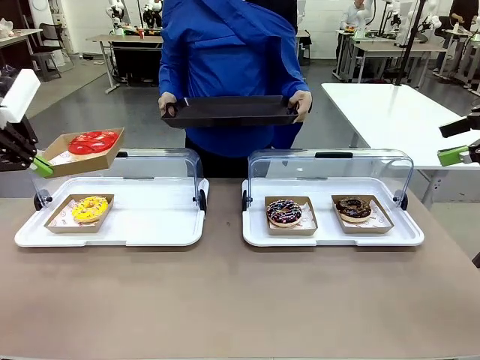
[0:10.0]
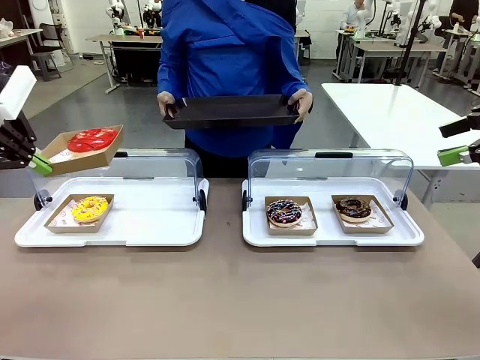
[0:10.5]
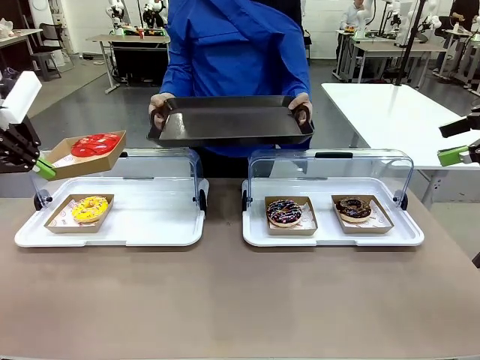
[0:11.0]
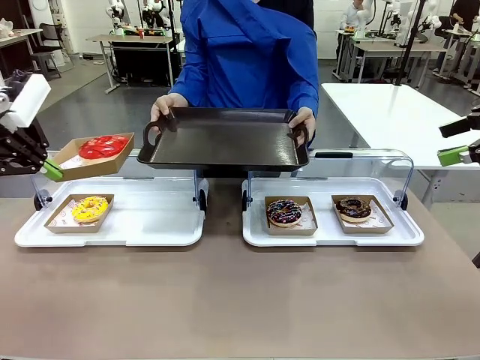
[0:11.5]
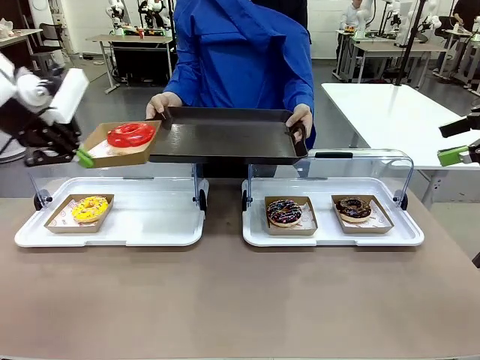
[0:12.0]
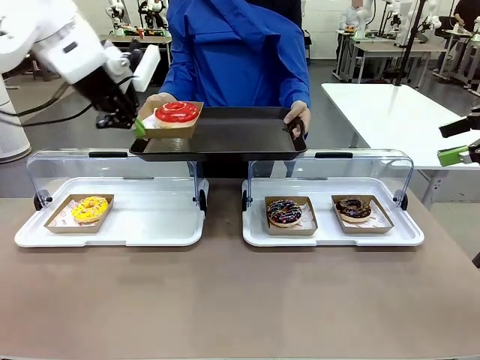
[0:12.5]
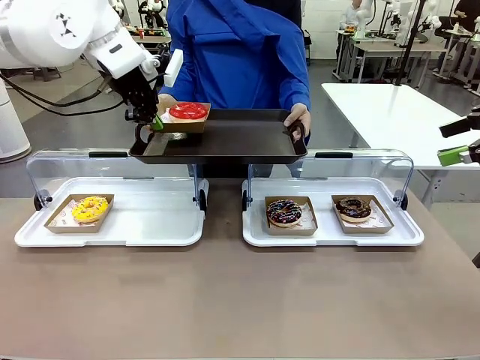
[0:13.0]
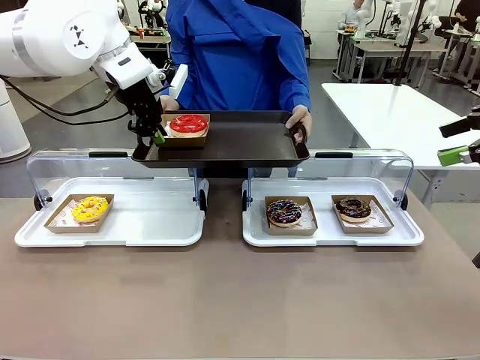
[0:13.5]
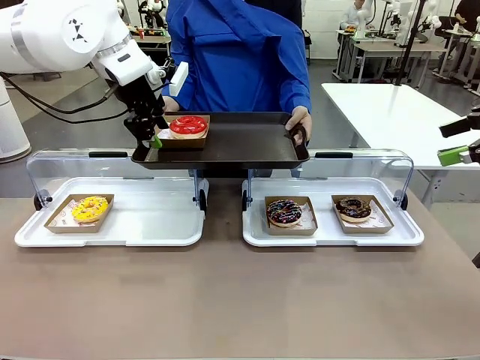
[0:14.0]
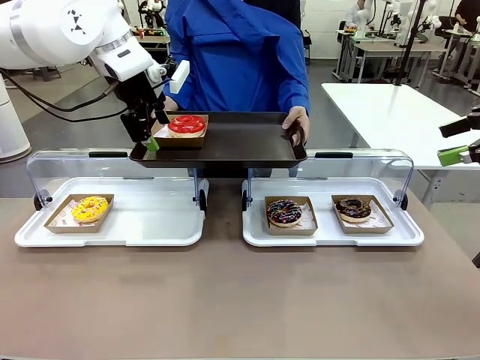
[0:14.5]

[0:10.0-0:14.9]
Task: Provide the desired donut to the person.
Robot: Place the picked Paper togo box onto the Handle tray extended by the person.

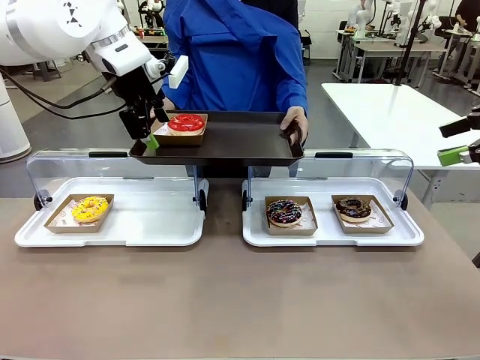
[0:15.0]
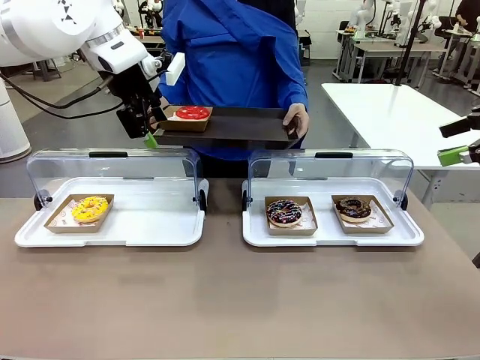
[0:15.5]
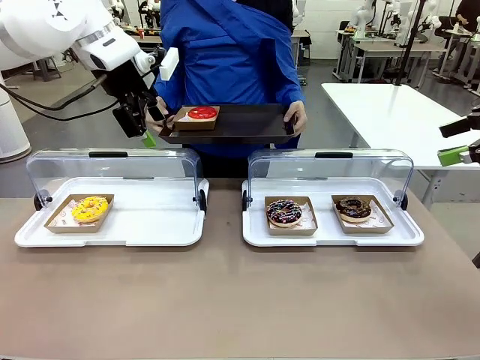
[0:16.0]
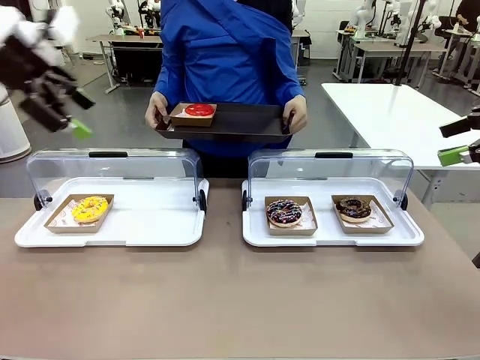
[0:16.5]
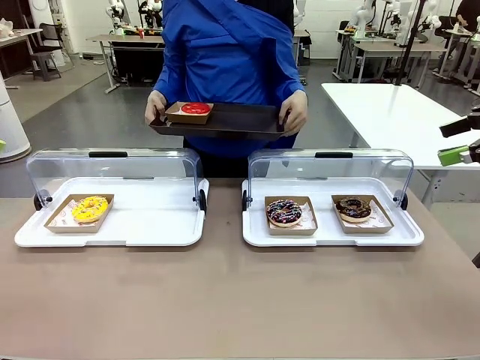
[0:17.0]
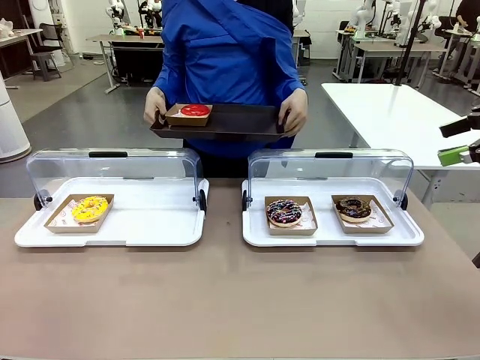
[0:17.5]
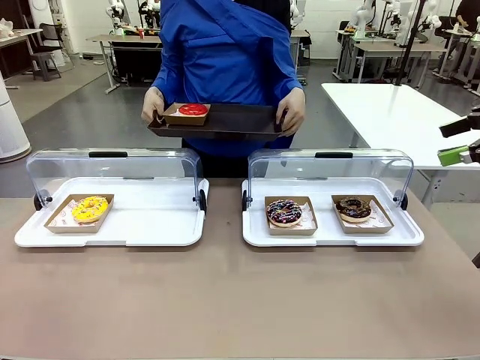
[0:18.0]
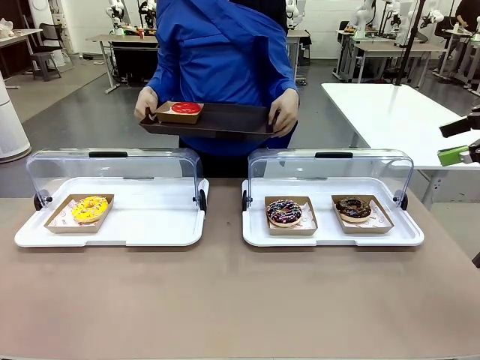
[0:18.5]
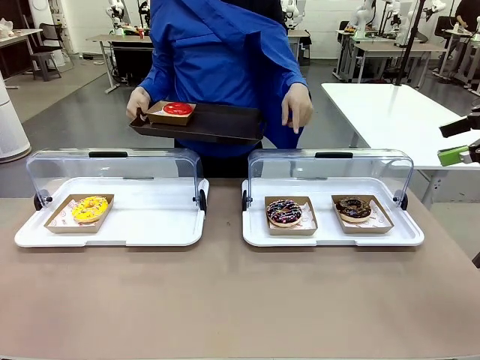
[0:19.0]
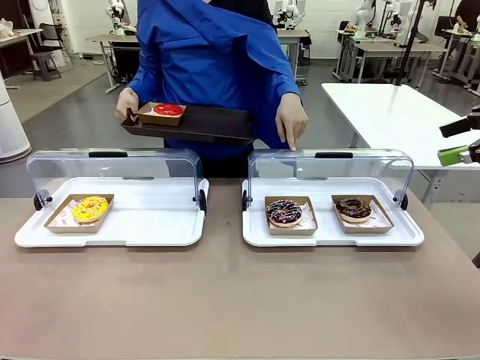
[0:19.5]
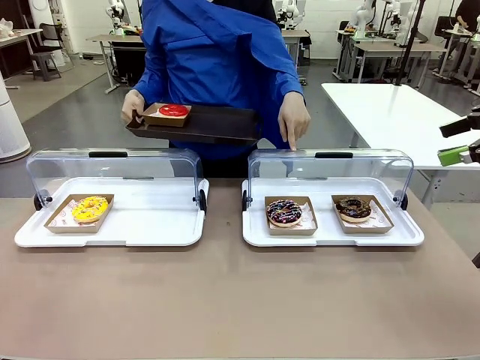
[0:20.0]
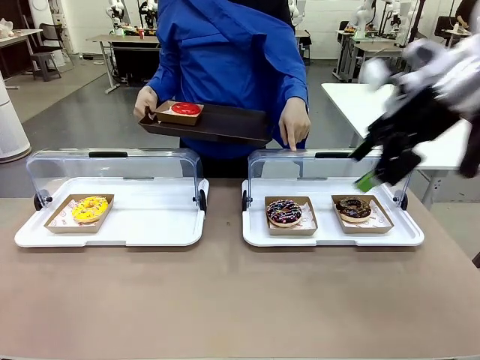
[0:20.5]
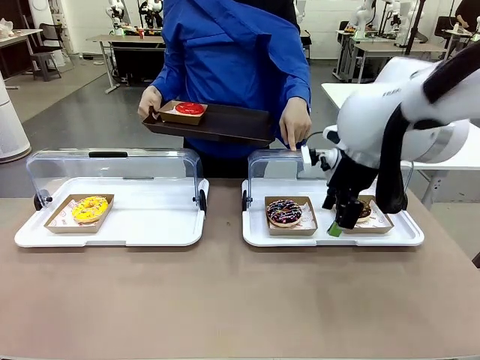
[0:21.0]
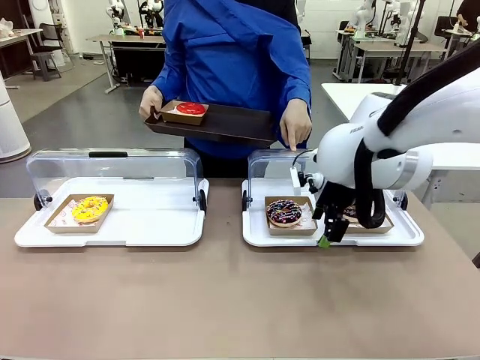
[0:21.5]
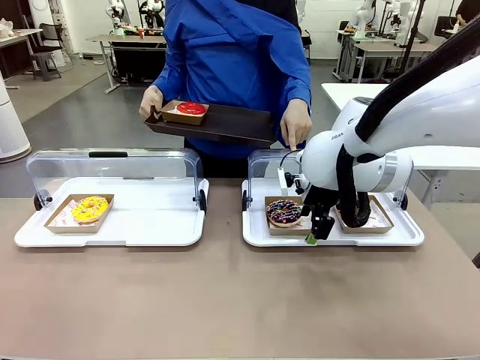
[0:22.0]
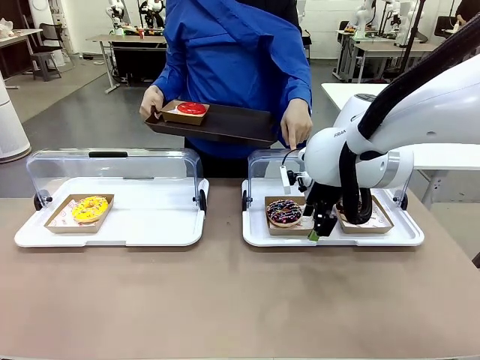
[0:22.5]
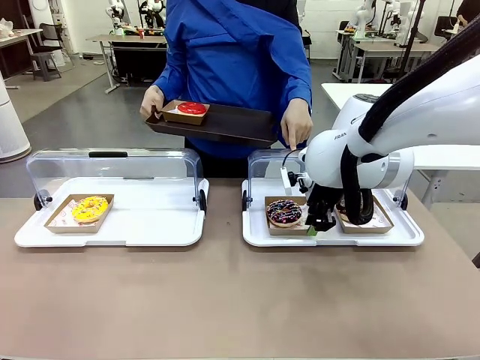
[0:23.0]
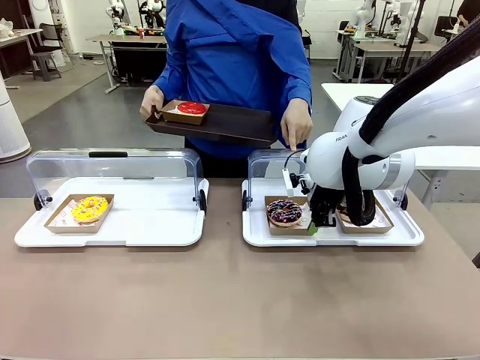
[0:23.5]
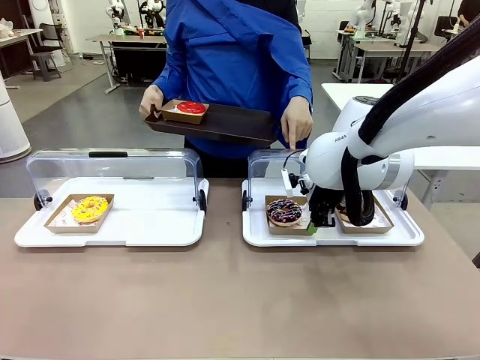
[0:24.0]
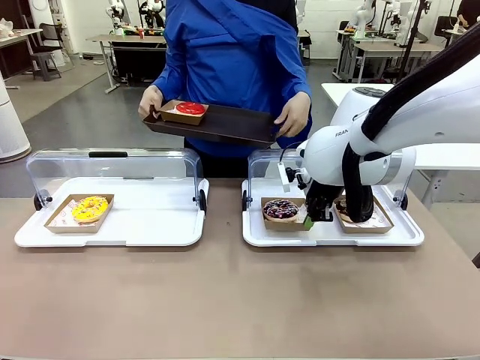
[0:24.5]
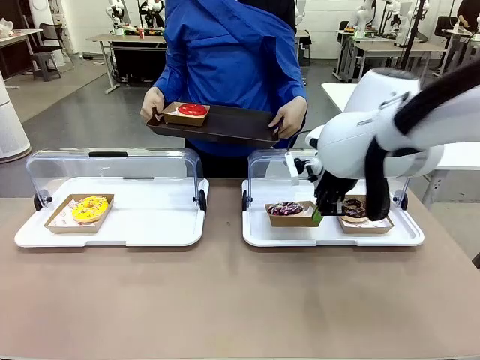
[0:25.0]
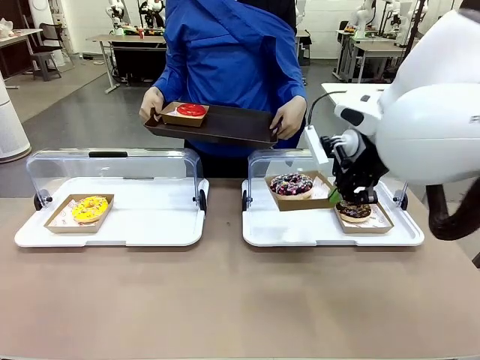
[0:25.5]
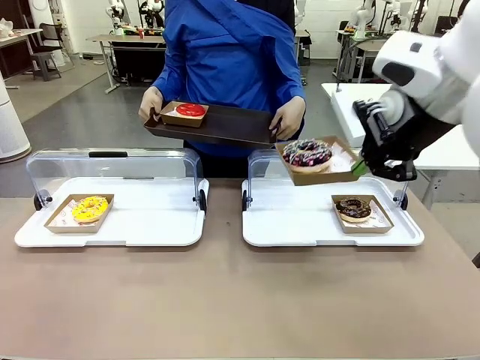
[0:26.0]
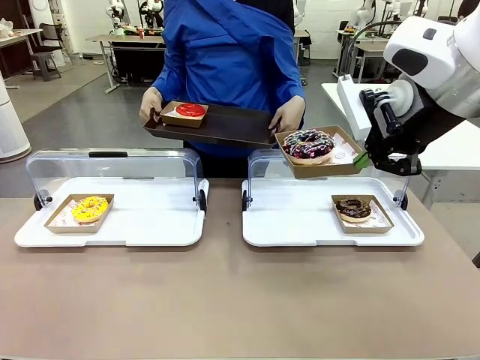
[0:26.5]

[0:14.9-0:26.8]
Robot: Pick up and lift the Paper togo box containing the Donut pointed at by the person.
Person: Point to one donut. Lift the tray onto the Roll-Top Bakery Case.

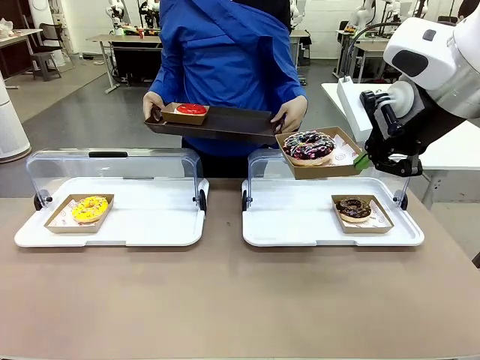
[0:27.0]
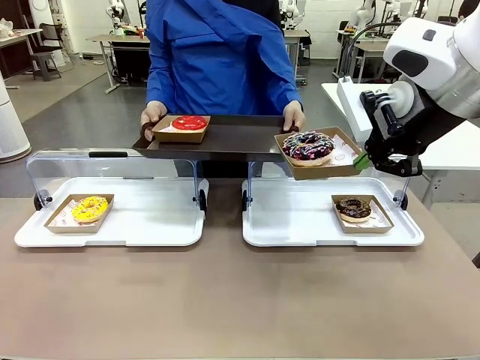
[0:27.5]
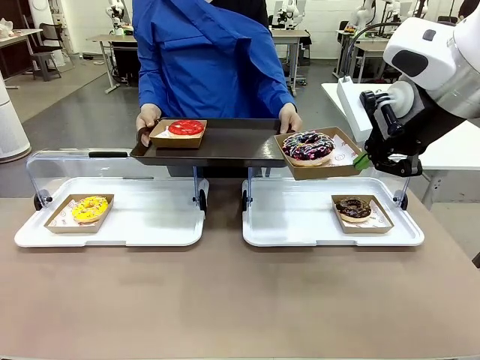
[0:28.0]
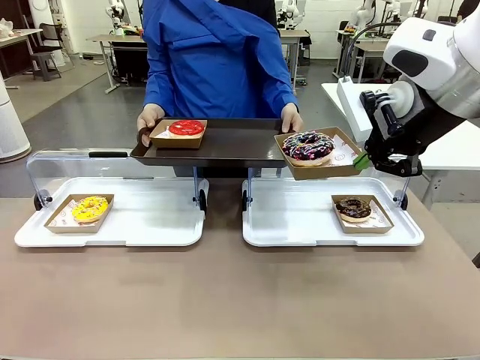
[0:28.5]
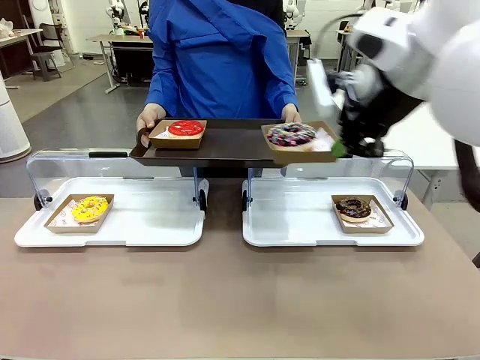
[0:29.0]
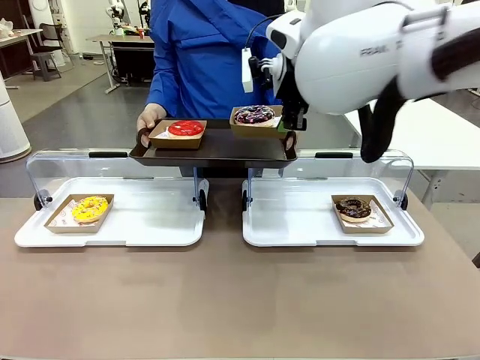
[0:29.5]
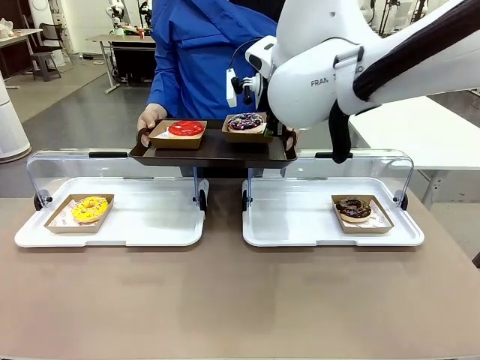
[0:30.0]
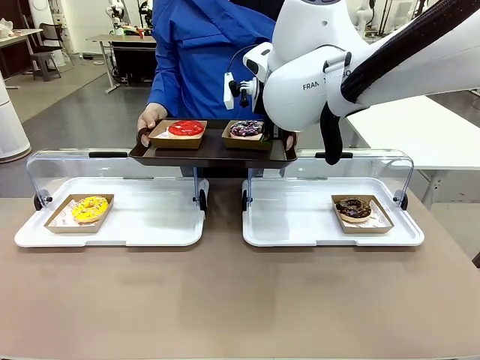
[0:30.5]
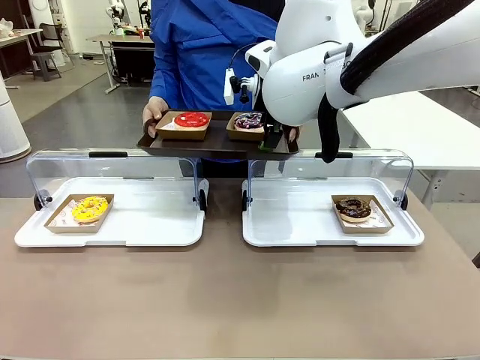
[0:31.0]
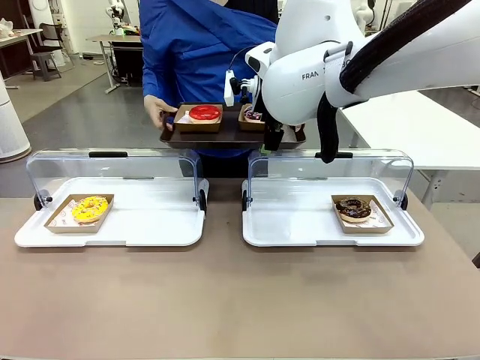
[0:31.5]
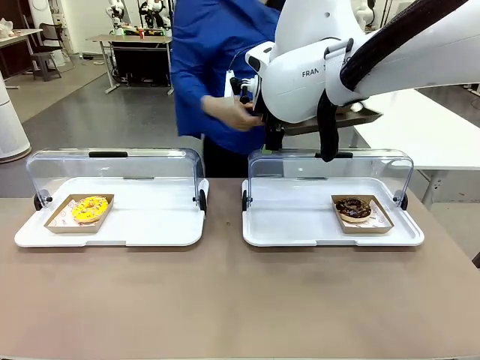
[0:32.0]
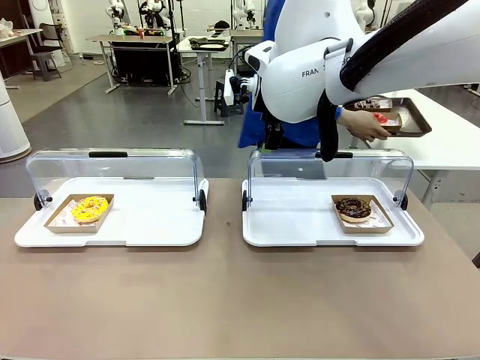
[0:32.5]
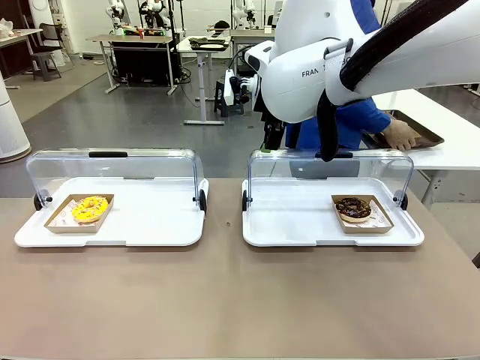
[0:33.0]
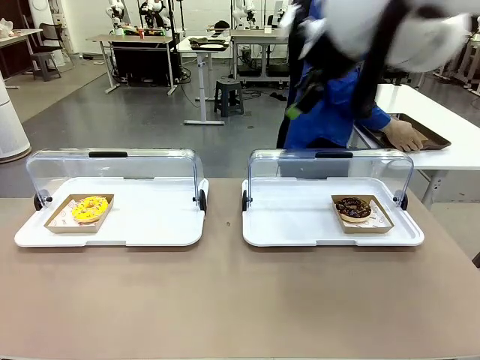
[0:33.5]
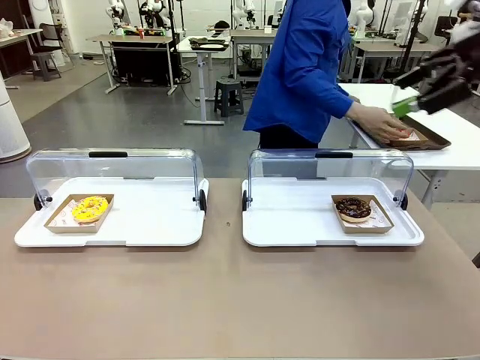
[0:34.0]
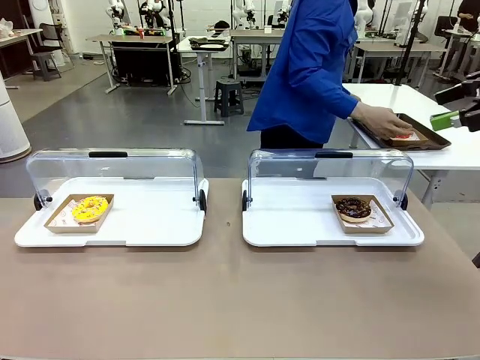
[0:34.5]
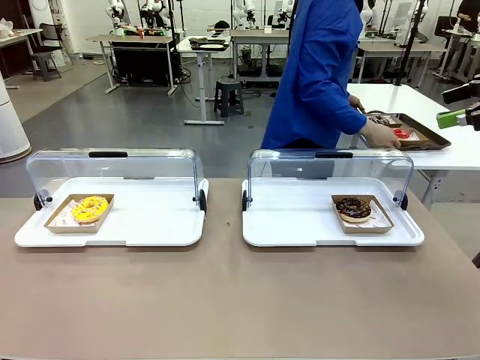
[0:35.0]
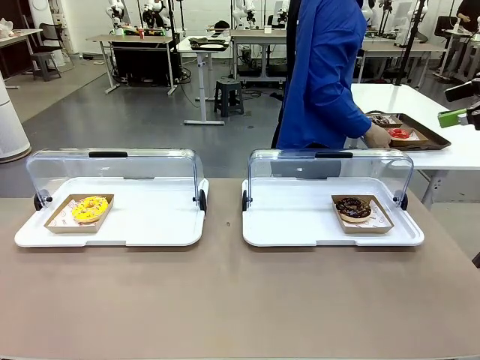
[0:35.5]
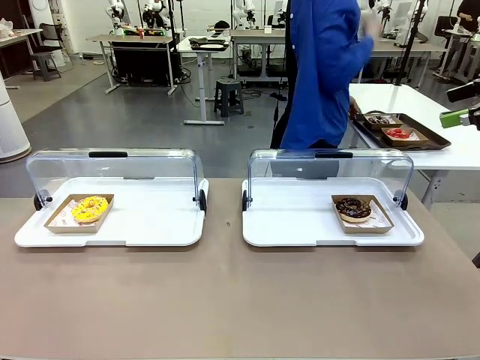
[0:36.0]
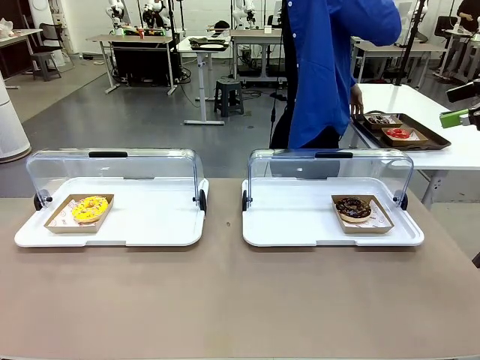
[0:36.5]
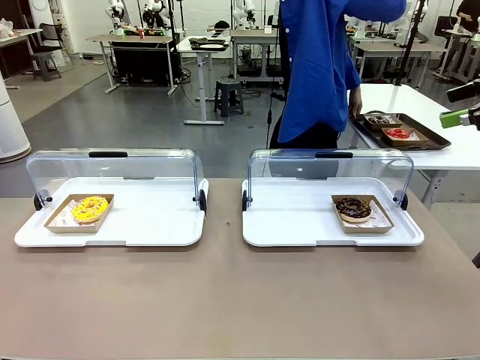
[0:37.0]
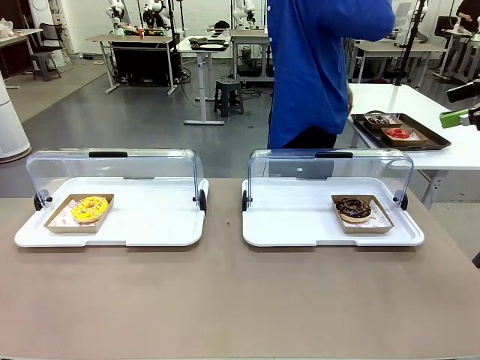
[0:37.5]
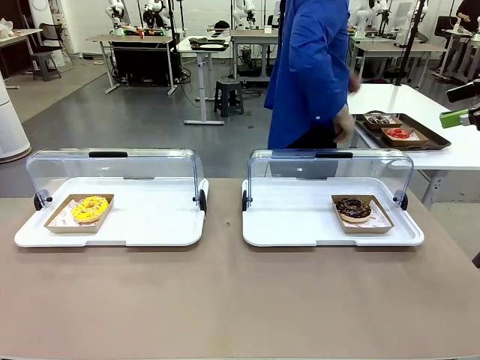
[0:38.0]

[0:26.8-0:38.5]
Robot: Place the picked Paper togo box onto the Handle tray extended by the person.
Person: Place the tray in the middle of the human table.
